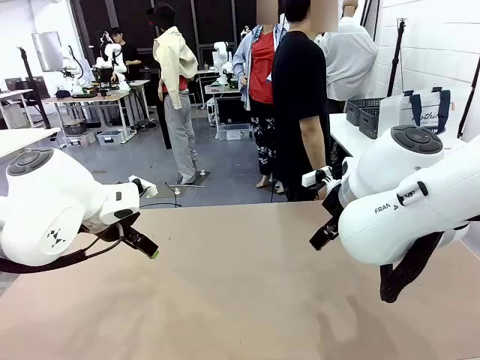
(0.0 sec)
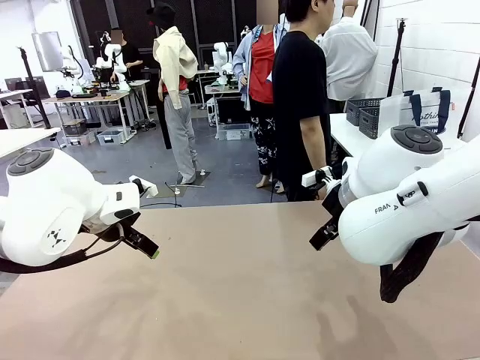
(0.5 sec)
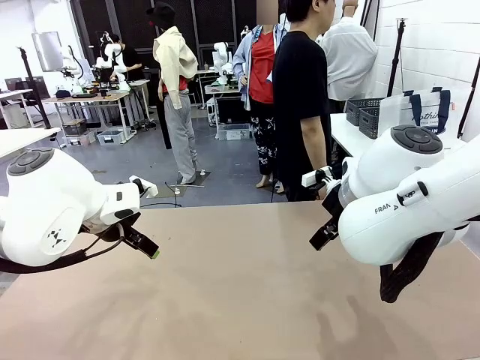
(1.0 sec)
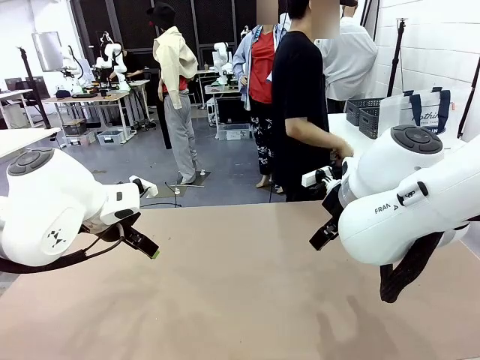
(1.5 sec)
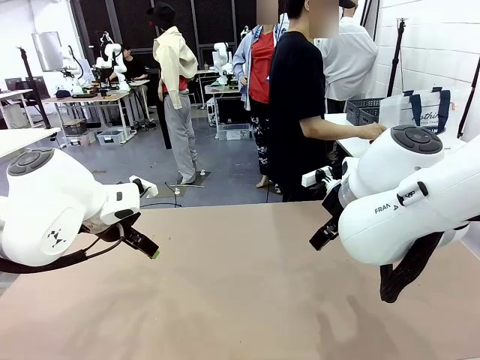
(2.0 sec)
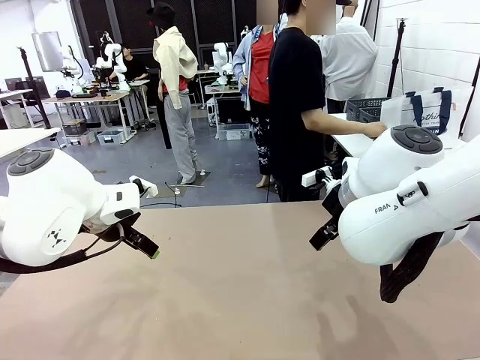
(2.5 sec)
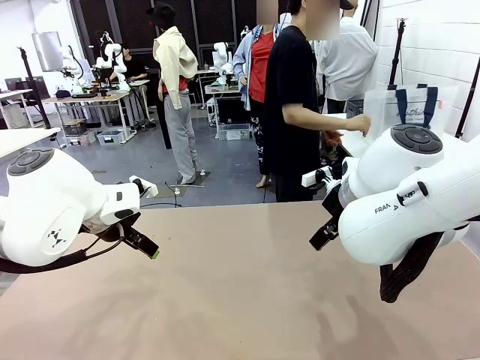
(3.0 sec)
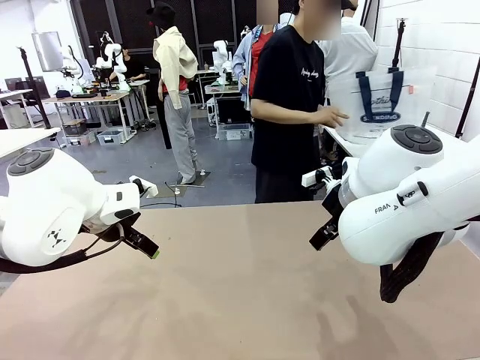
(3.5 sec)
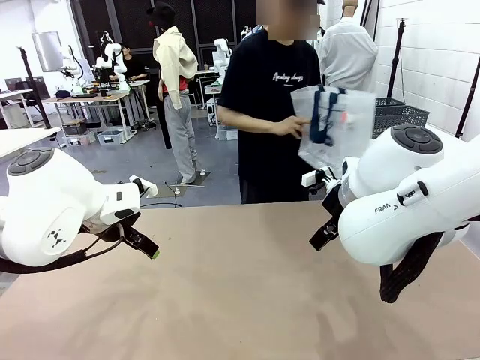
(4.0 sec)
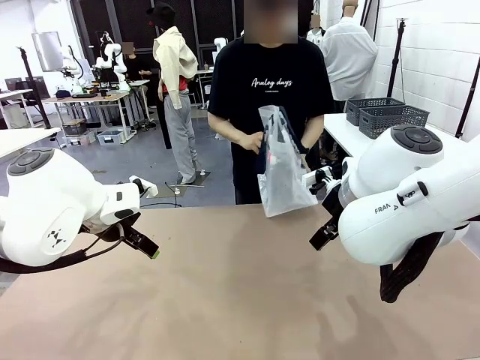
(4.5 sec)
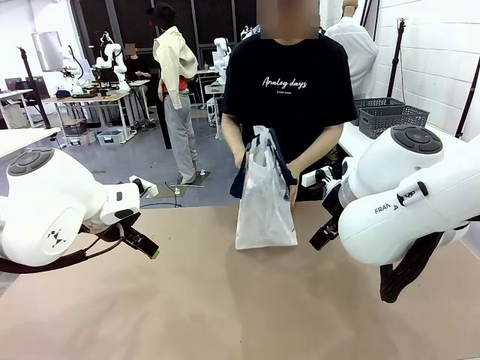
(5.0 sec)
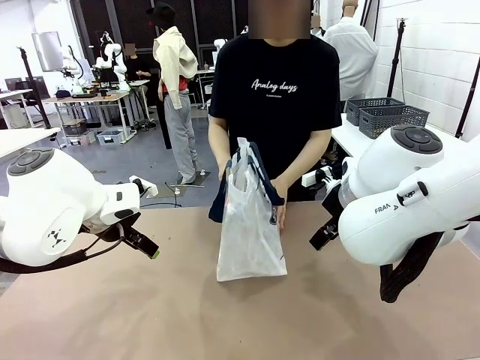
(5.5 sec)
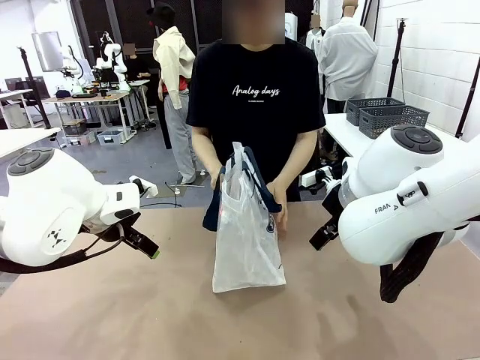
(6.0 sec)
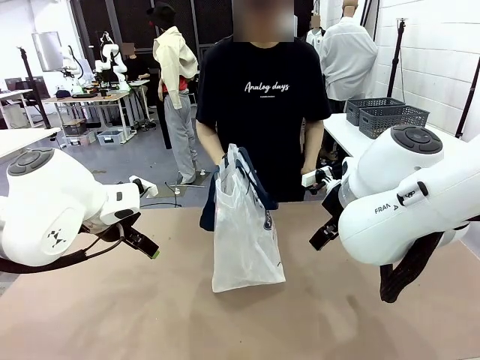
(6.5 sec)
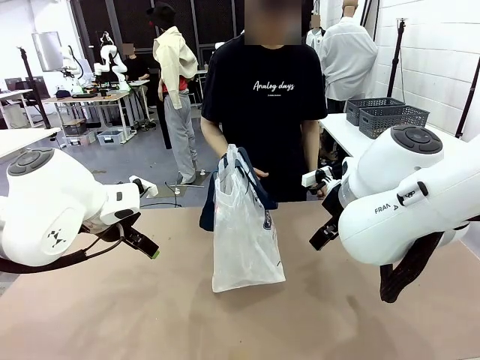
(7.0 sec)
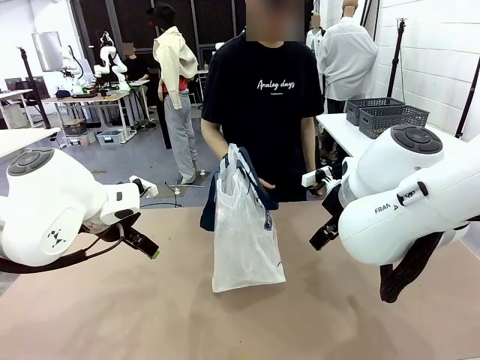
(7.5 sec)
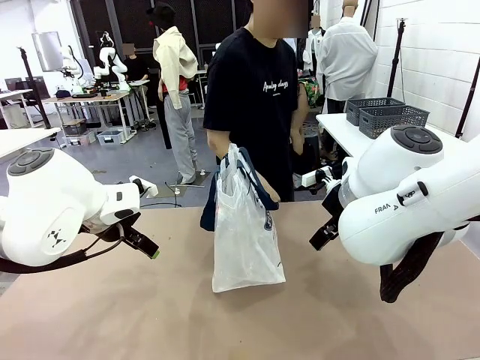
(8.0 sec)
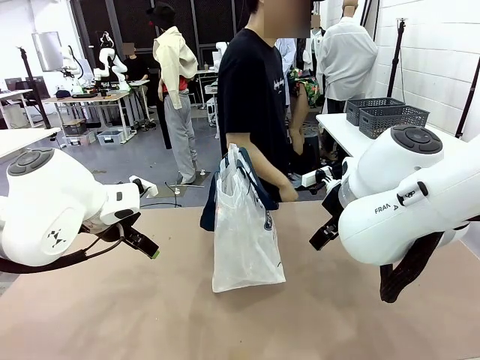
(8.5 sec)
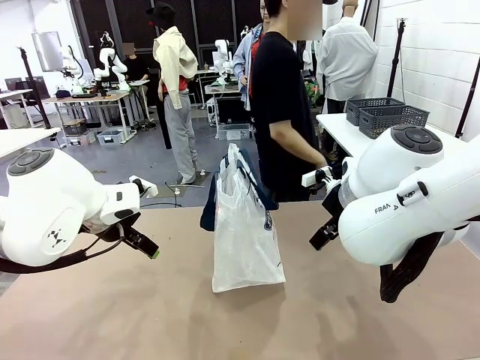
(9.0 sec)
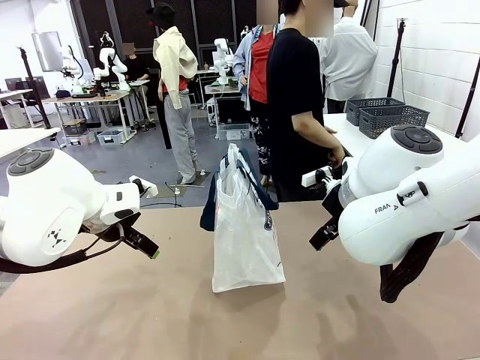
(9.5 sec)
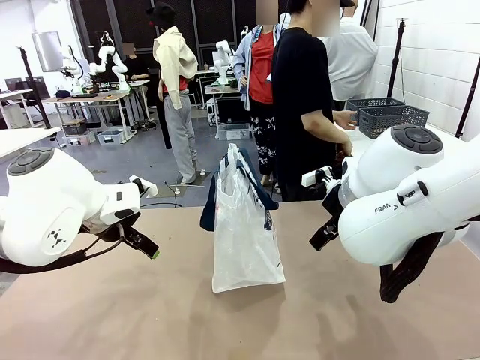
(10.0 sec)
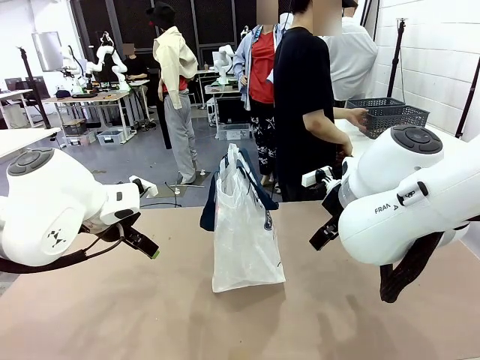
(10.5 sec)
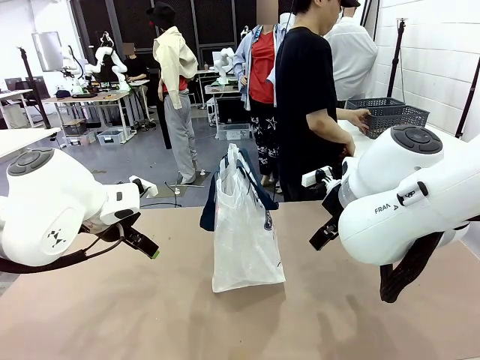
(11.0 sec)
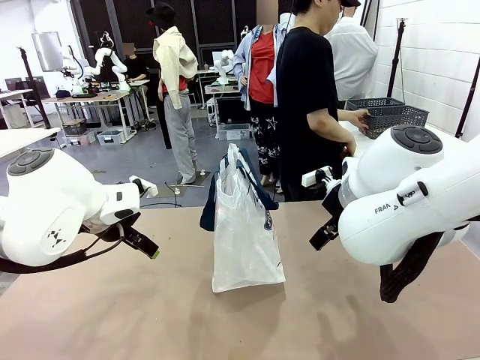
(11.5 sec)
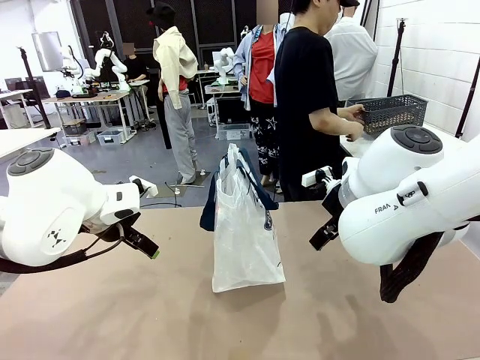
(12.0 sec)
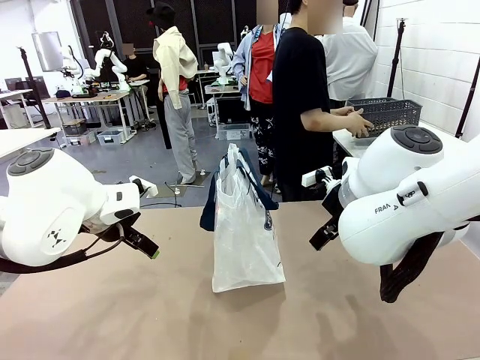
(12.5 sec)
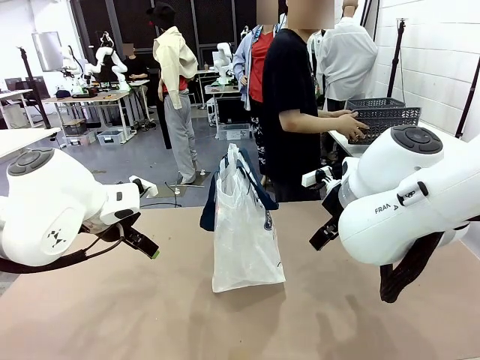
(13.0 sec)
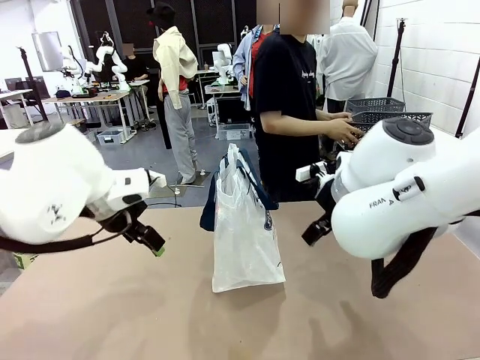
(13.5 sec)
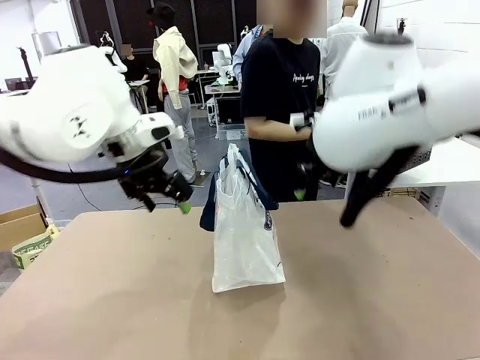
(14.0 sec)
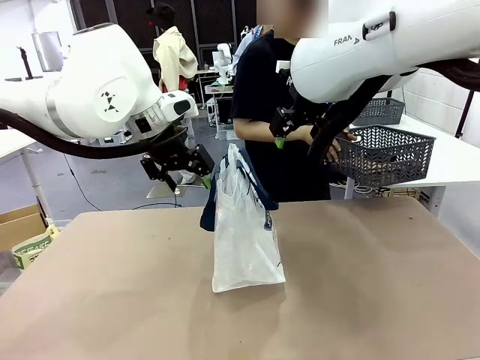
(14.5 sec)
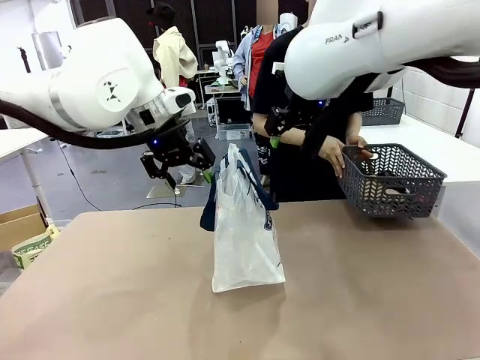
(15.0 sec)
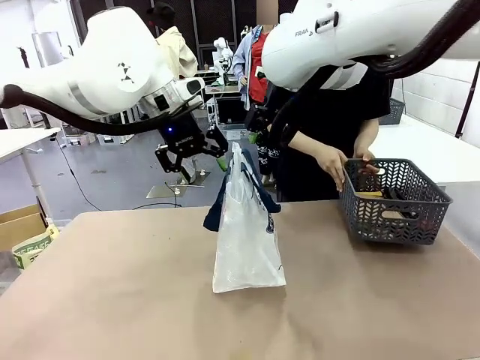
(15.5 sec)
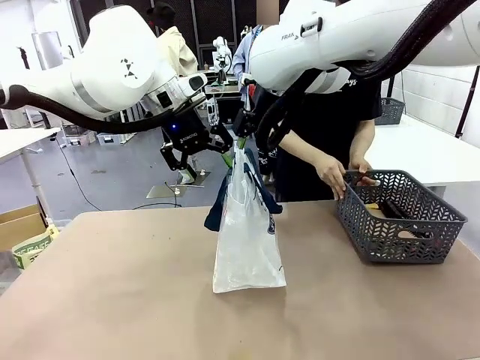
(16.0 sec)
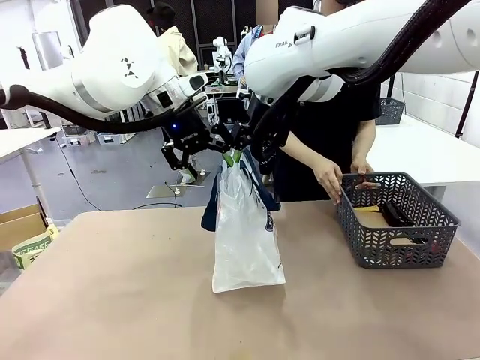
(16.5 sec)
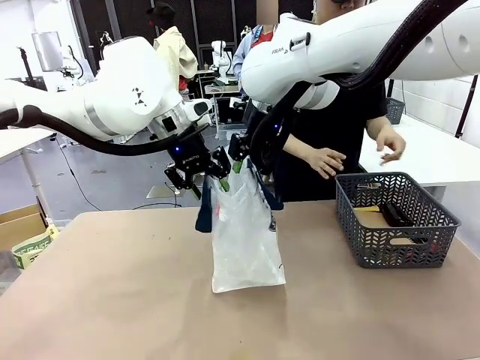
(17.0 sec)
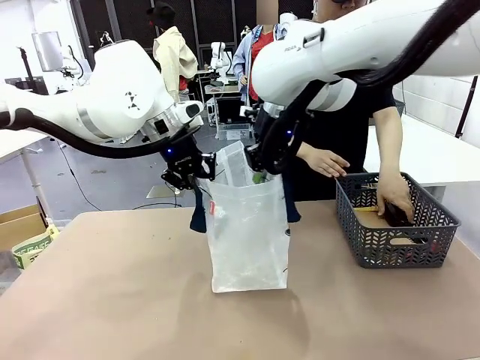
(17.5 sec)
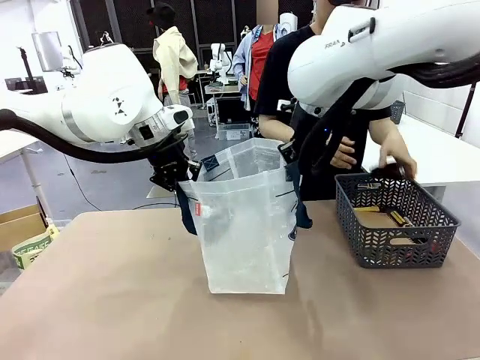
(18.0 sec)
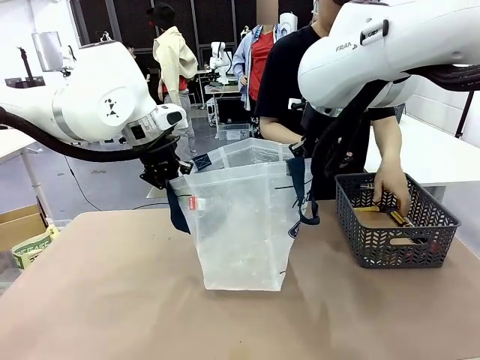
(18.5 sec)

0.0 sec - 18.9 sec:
Task: Transfer purchased items from the store into the shopping bag.
Robot: Open the Reusable shopping bag in the center of the table.
Person: Pick up the shopping bag and place it in the middle of the robot table.
